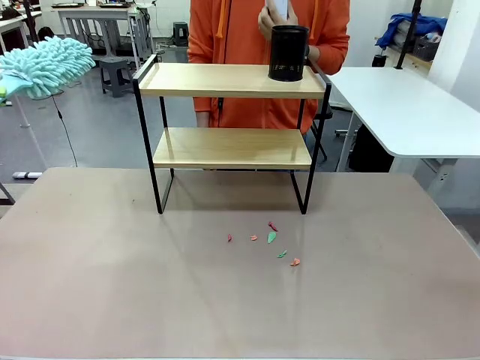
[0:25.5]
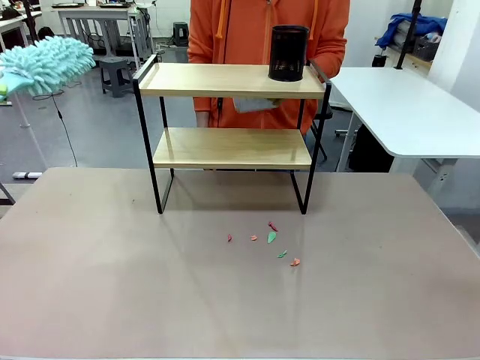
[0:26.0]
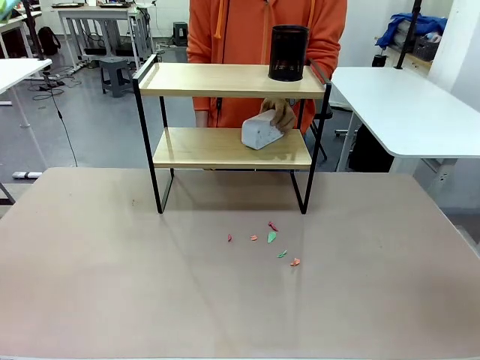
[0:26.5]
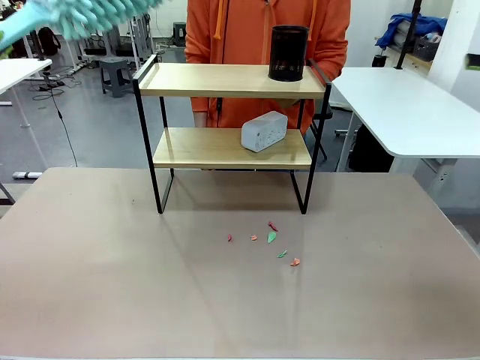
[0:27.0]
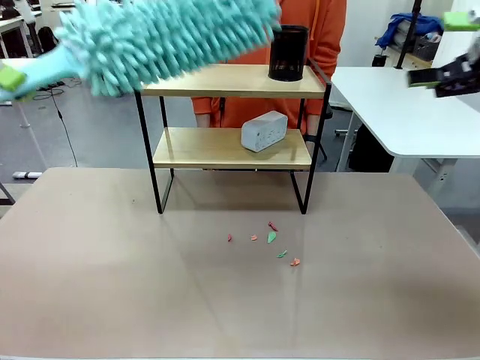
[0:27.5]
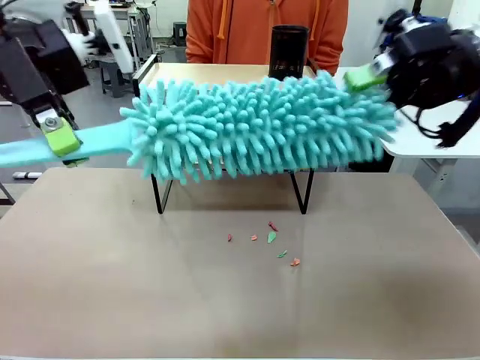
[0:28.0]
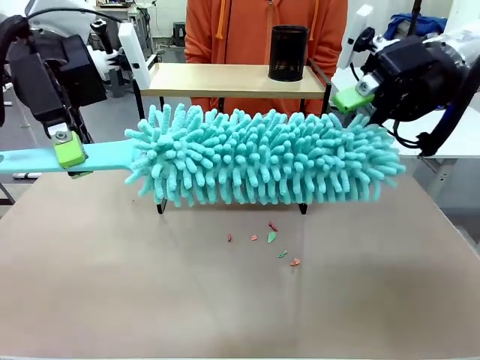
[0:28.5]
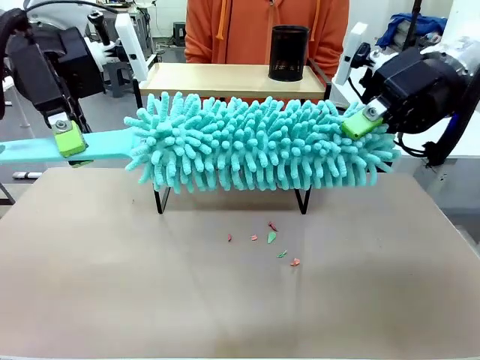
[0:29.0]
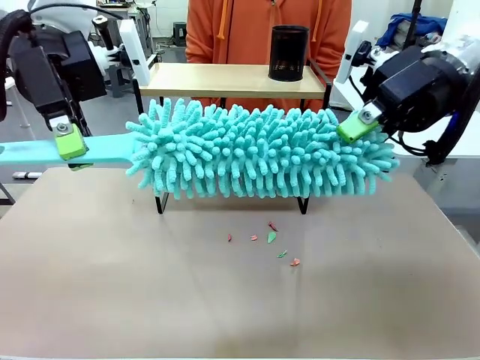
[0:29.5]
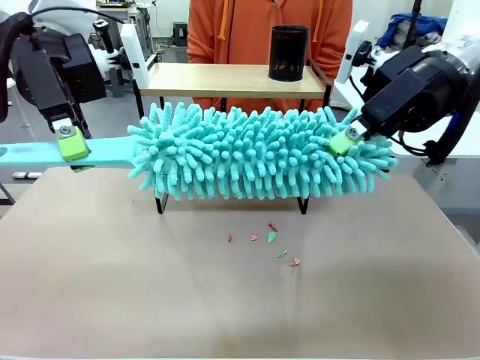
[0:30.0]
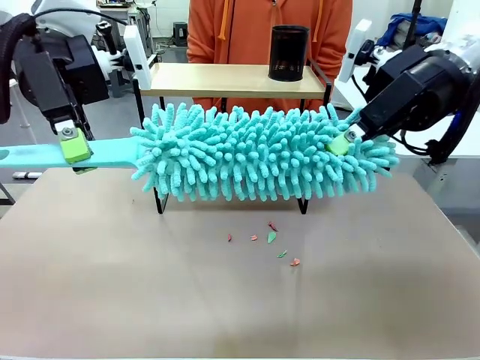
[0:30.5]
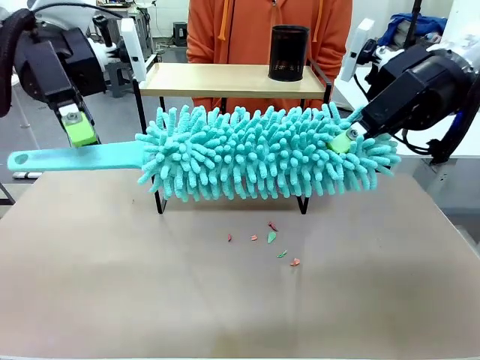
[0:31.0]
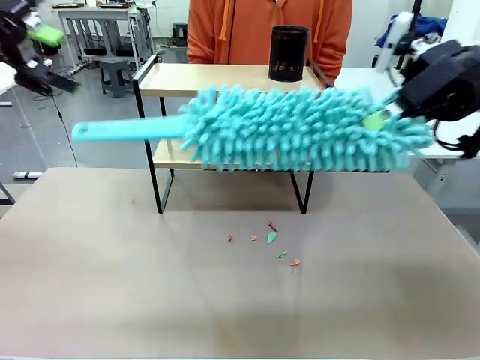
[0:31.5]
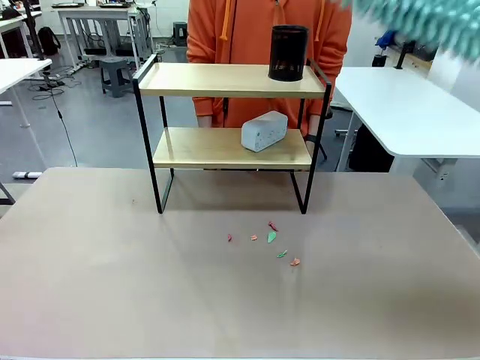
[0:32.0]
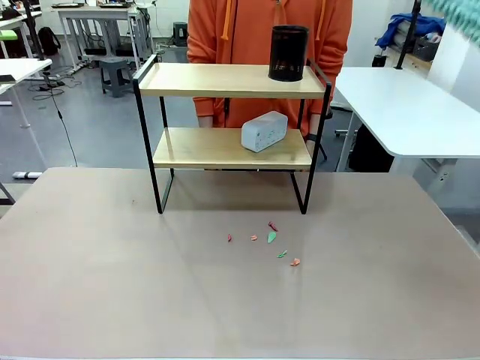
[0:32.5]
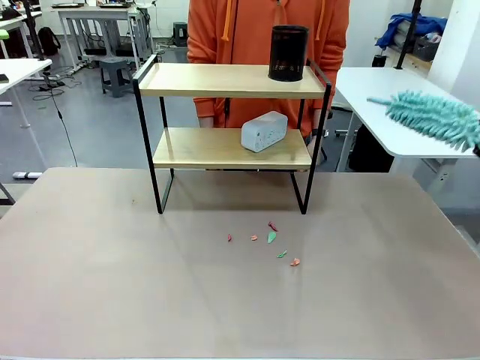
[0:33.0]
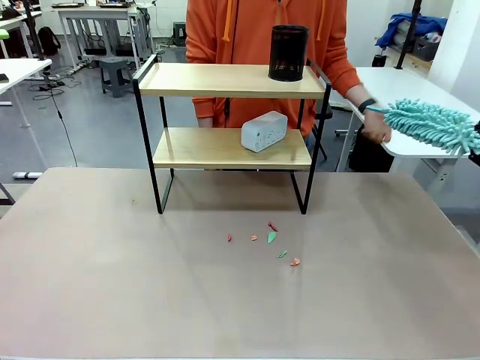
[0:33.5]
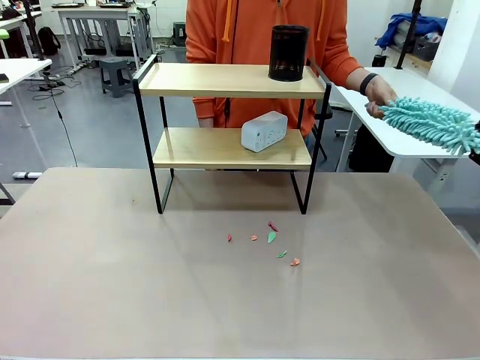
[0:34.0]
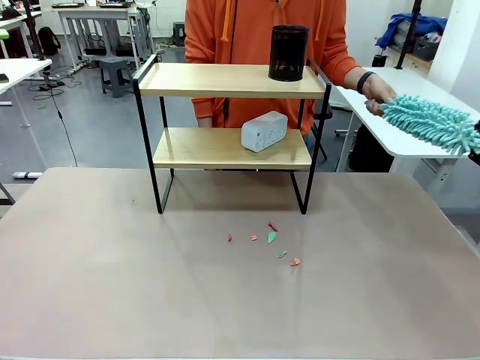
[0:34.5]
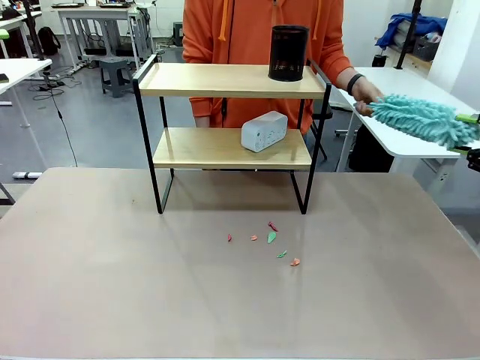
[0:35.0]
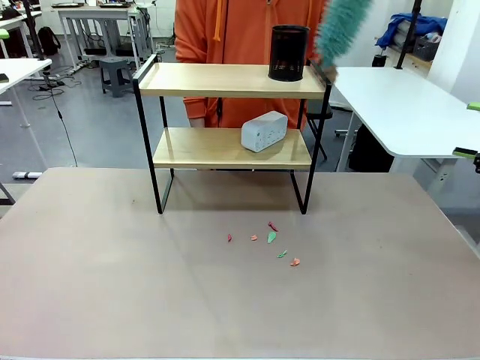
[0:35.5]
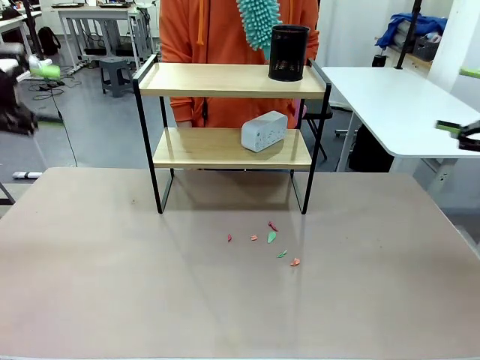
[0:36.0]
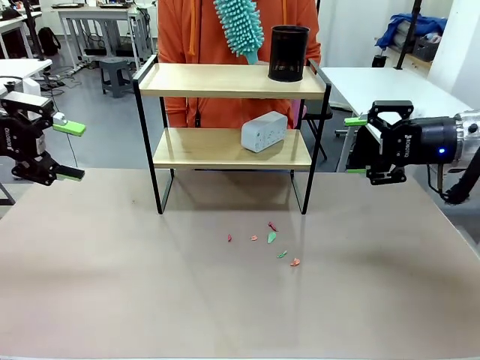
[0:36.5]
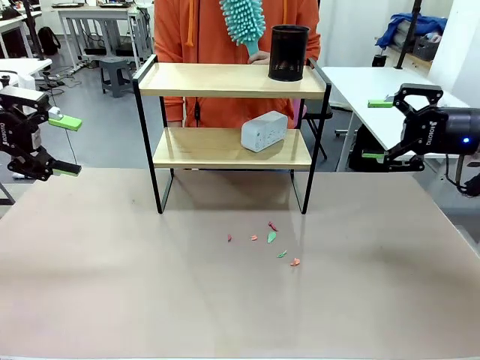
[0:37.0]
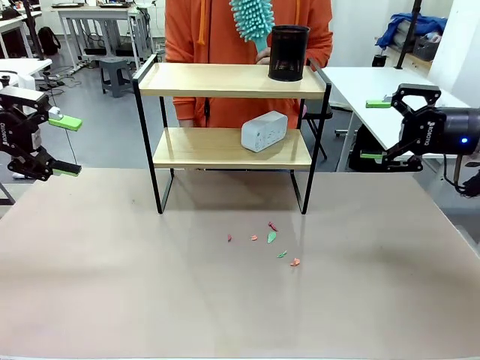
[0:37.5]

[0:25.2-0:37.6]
Task: Clean the shelf.
Robot: Hand the Duster back to the human.
Person: Receive the Duster from the robot.

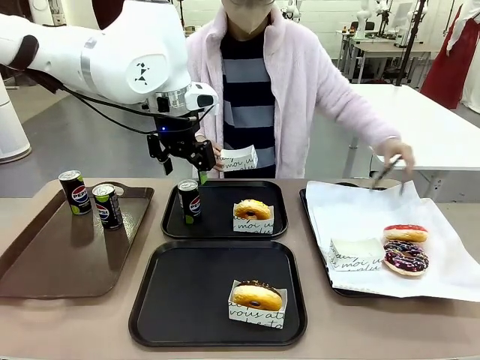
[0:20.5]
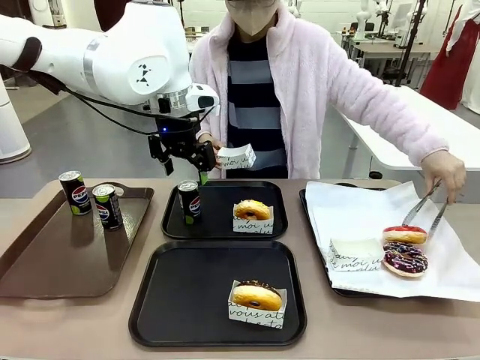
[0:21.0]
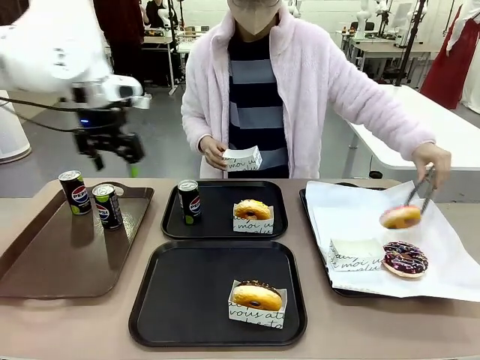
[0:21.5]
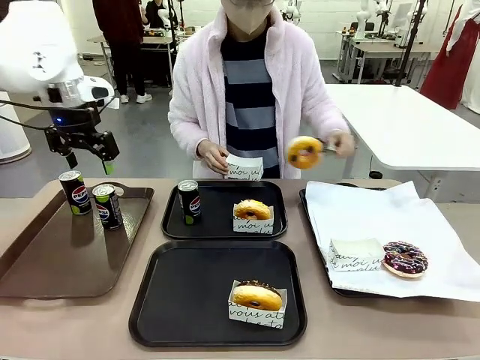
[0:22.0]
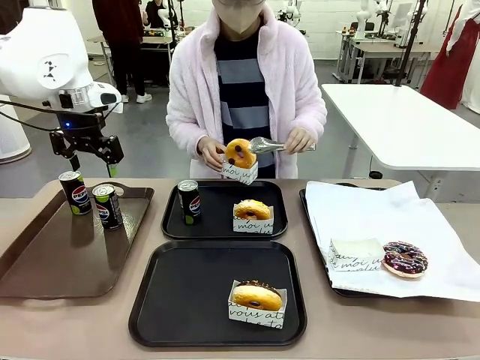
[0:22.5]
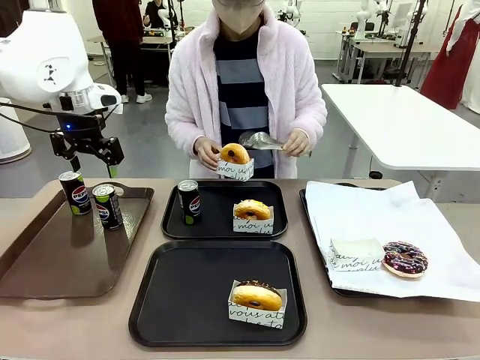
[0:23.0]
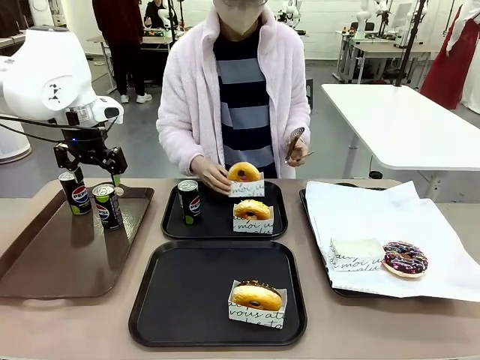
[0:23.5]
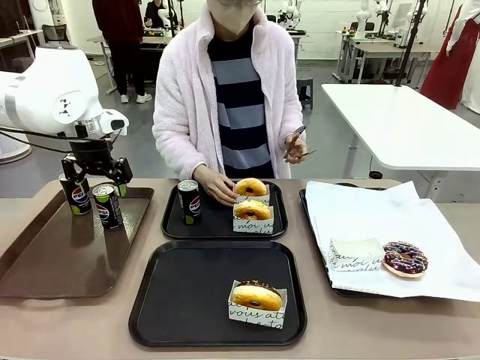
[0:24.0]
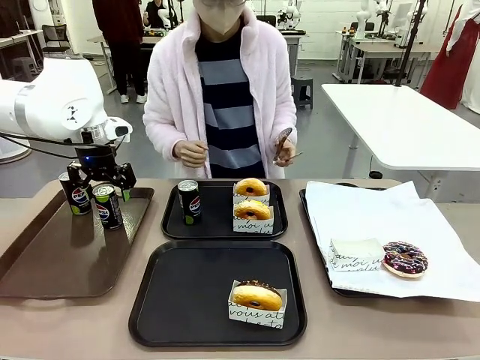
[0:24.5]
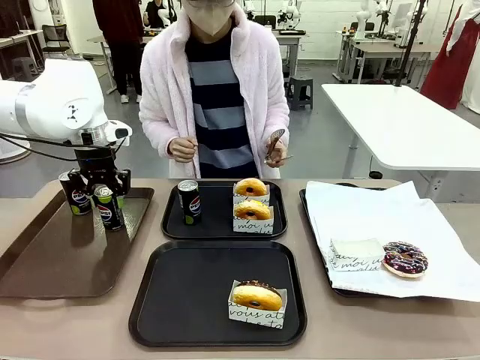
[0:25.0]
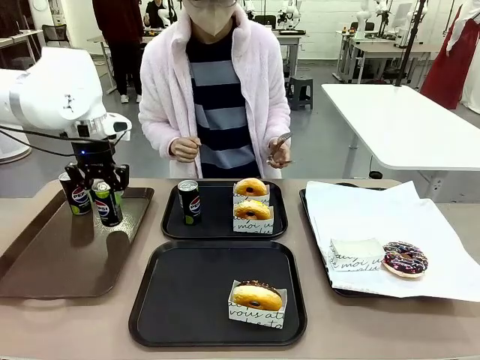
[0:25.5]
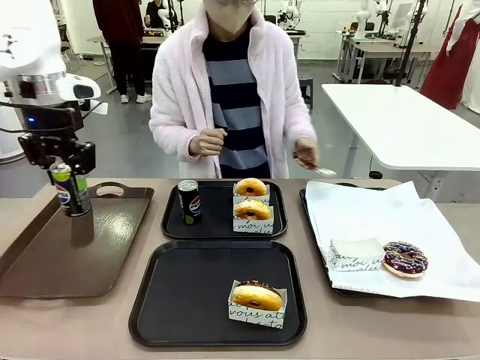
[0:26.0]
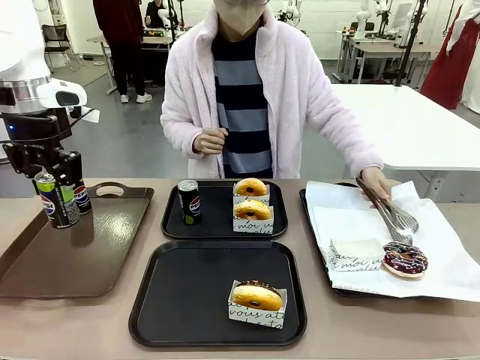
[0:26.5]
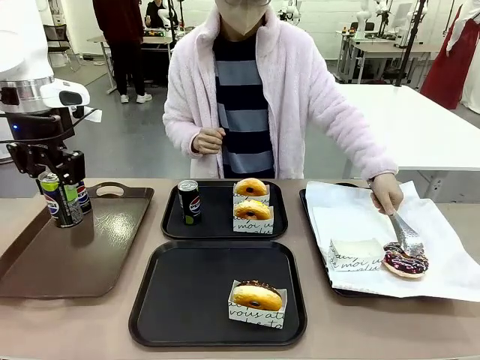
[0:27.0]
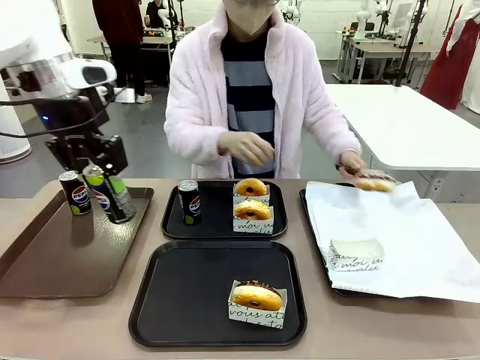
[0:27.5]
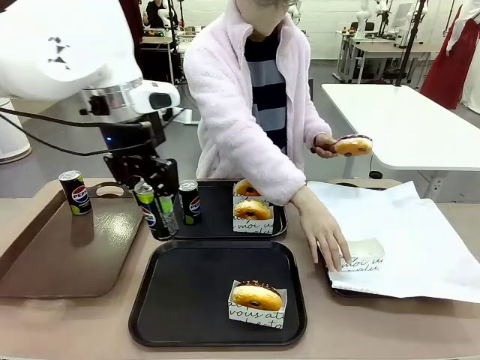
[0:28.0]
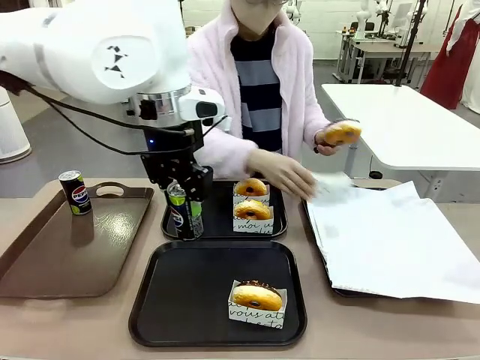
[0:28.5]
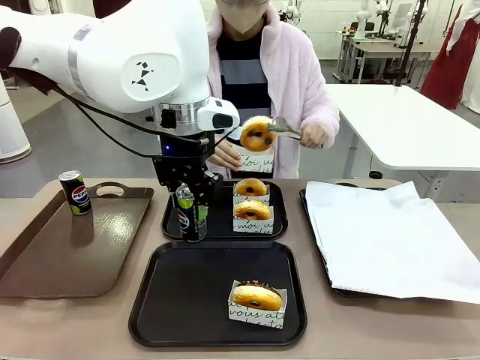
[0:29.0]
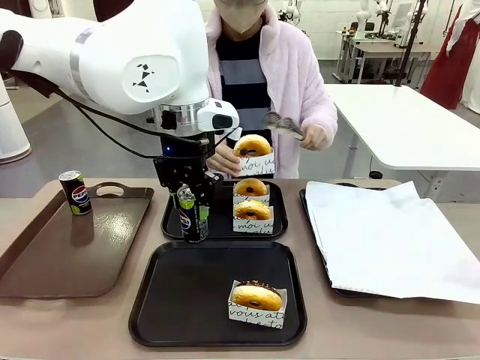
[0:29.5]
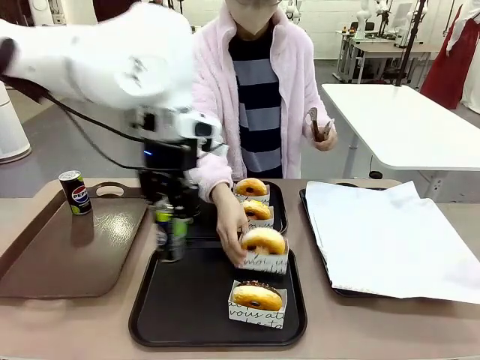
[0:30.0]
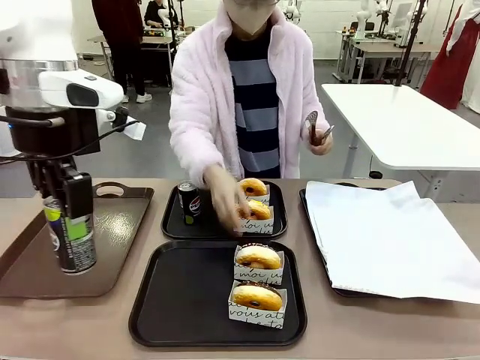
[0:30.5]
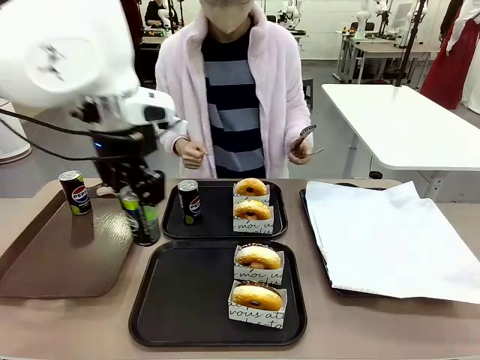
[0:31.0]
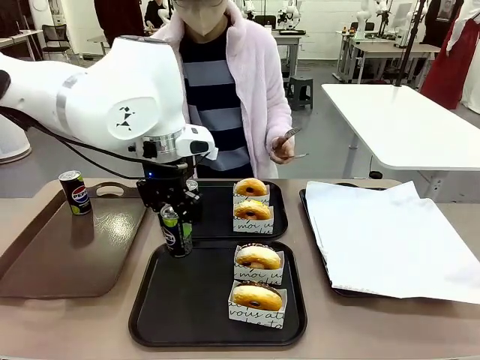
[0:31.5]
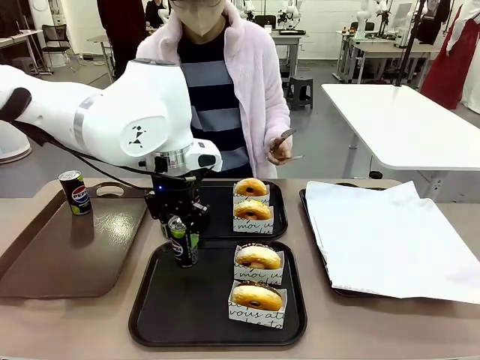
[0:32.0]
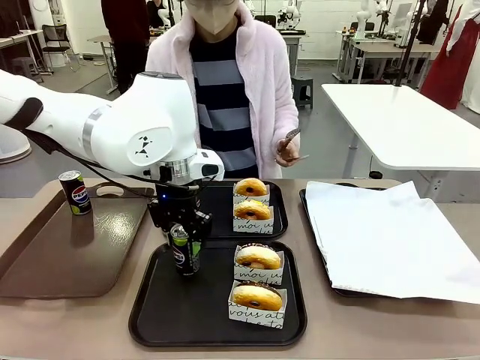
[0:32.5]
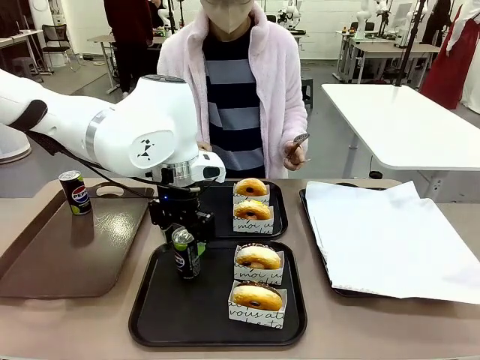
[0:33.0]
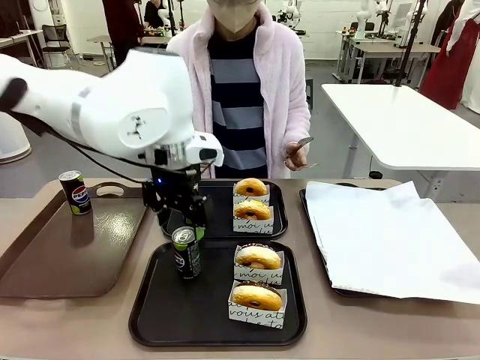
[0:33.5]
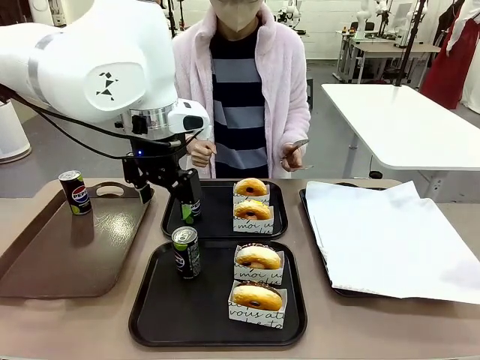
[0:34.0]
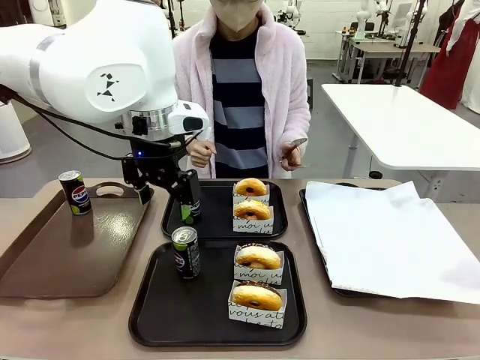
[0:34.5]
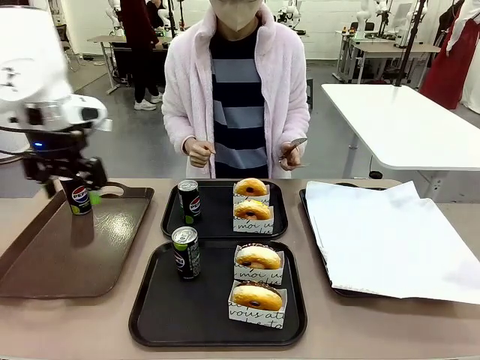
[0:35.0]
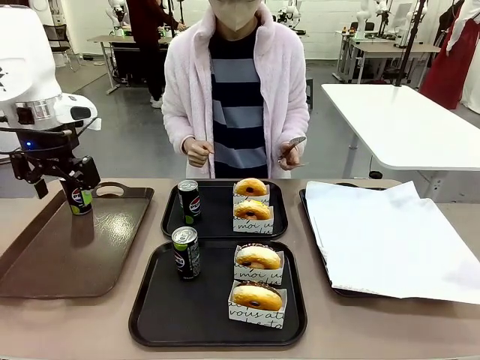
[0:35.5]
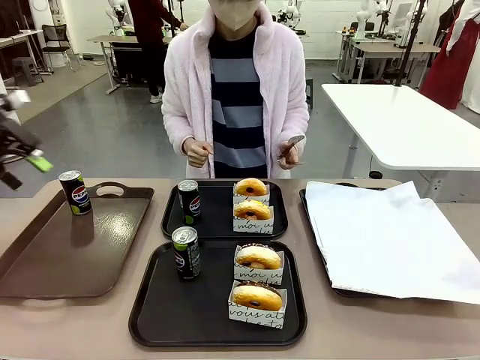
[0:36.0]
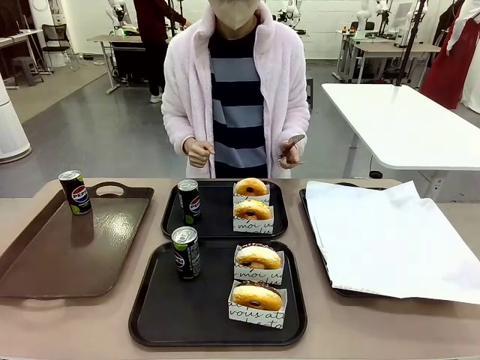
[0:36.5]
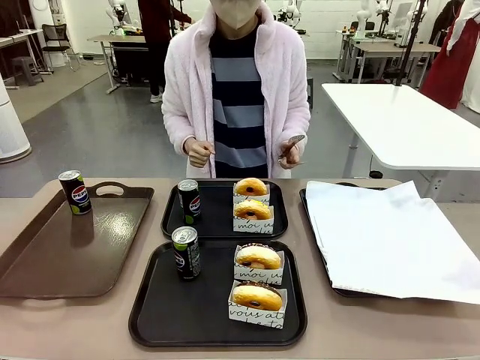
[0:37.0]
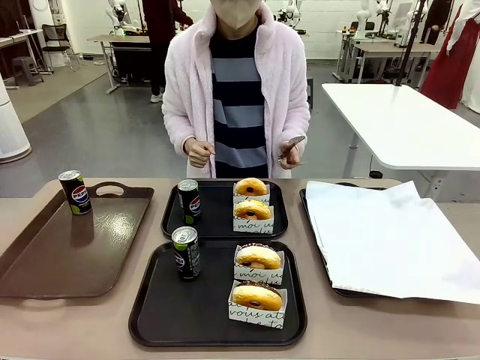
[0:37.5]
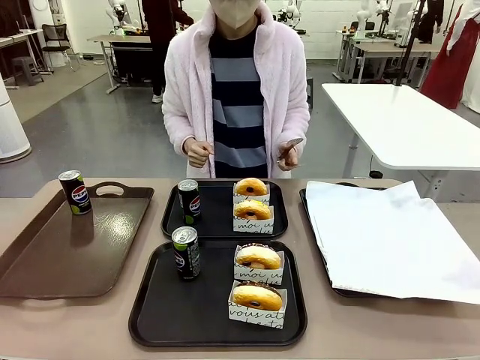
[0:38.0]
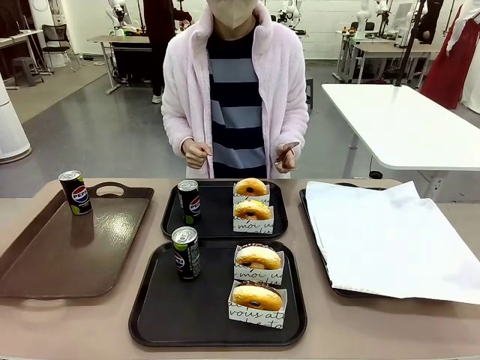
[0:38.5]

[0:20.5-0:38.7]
Task: Set up donuts and drinks on trays.
Robot: Pick up one Pepsi coke from the Handle tray and place it on the Flat Tray without a Pepsi coke.
